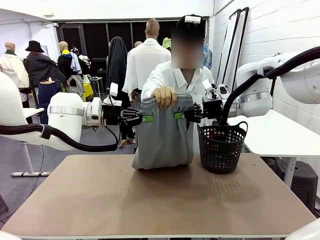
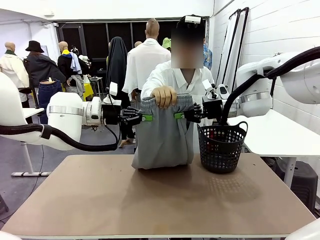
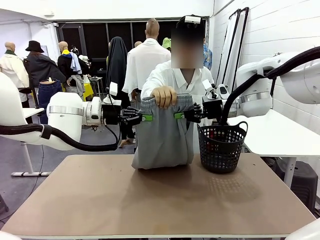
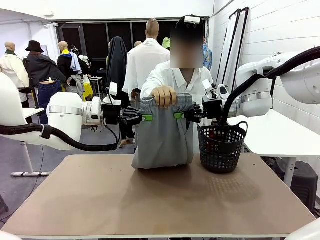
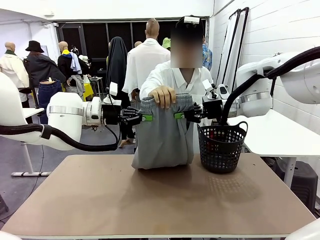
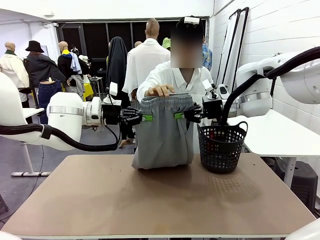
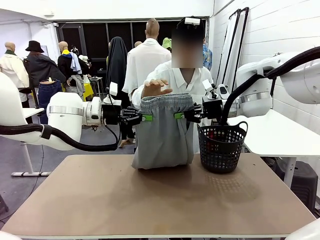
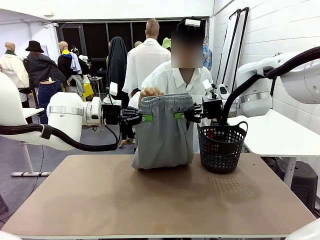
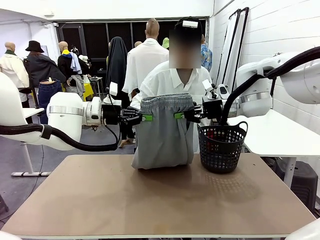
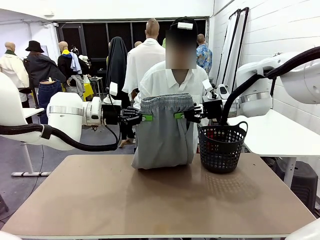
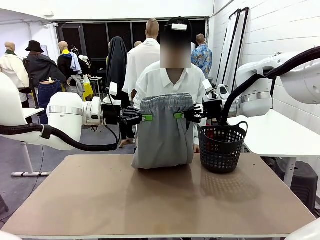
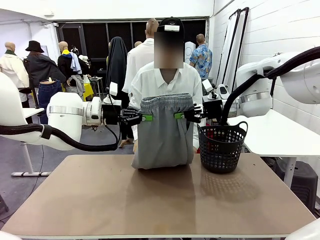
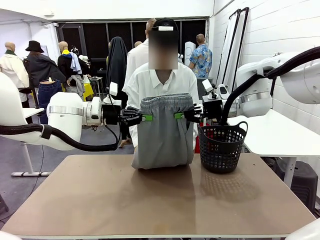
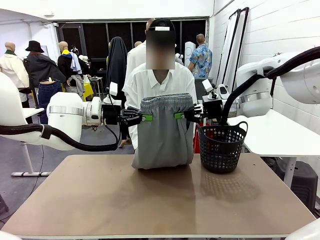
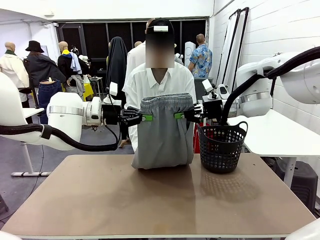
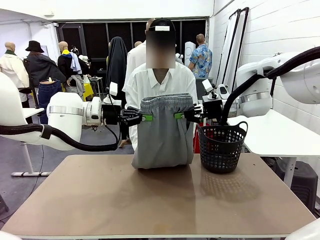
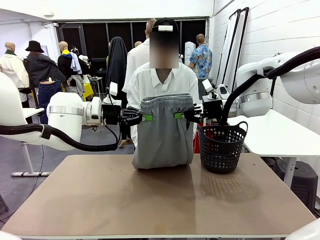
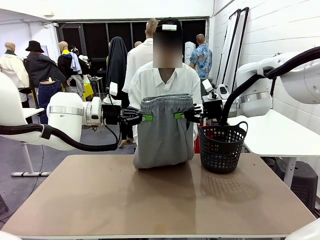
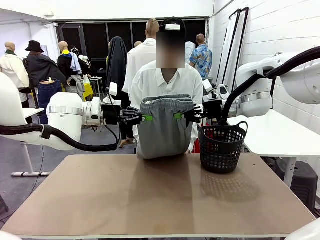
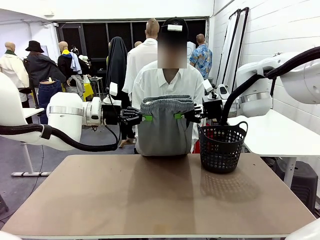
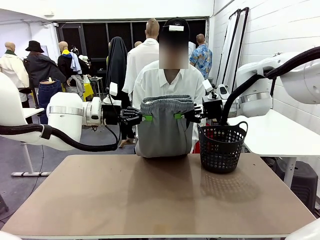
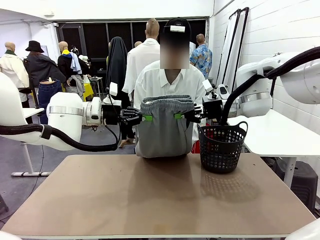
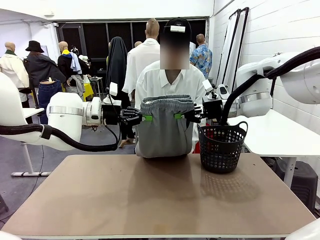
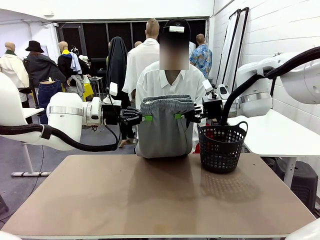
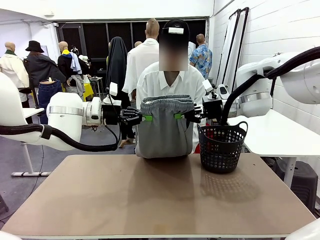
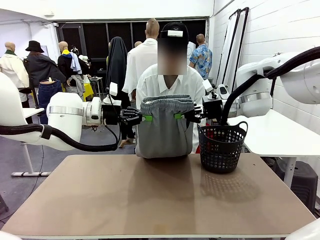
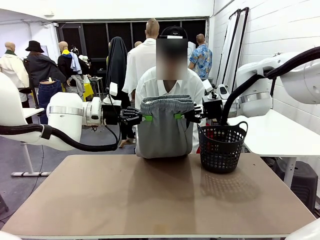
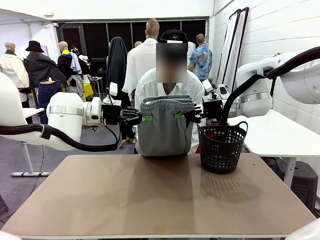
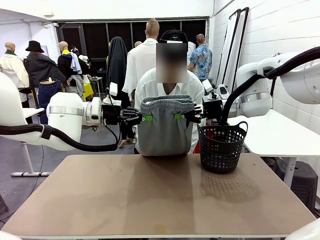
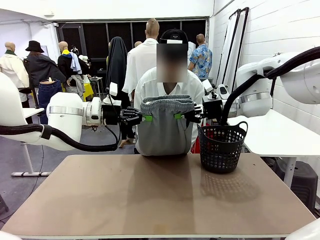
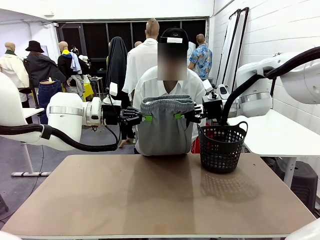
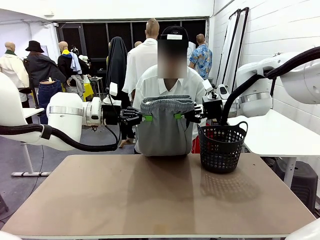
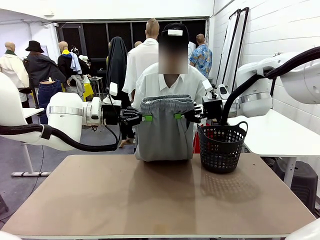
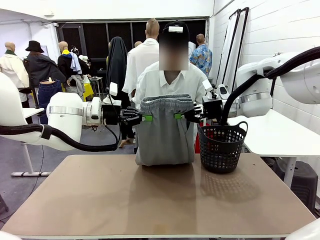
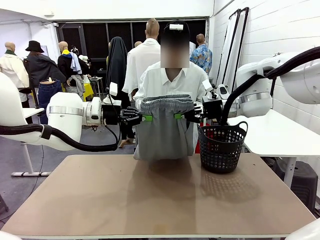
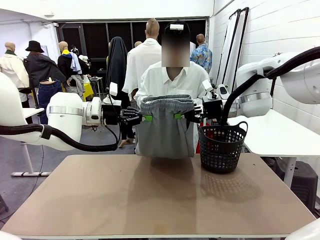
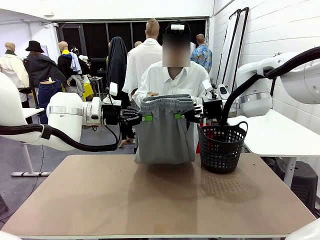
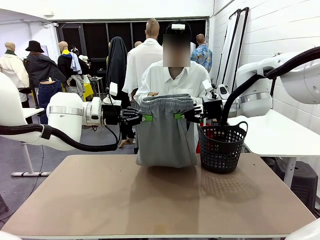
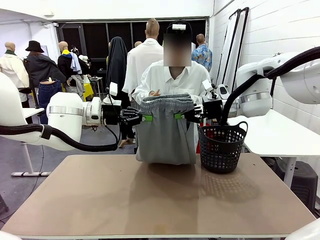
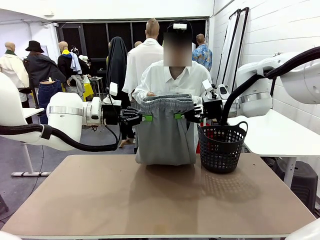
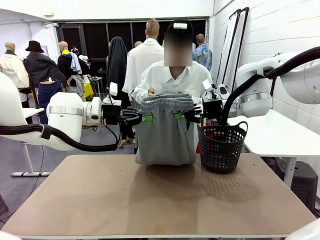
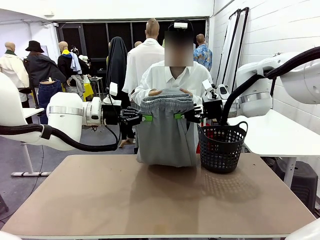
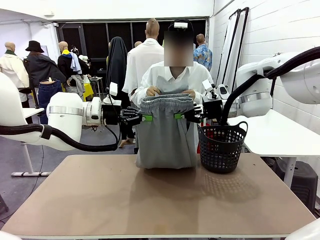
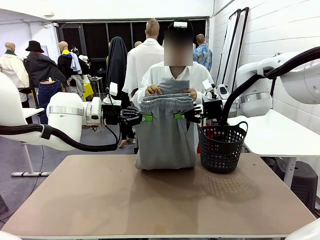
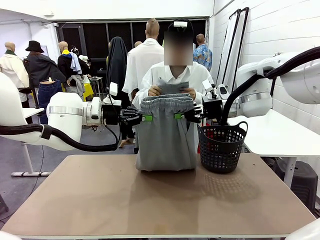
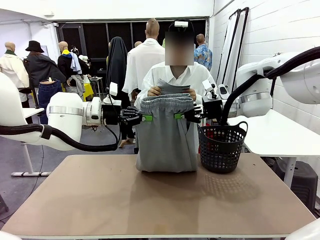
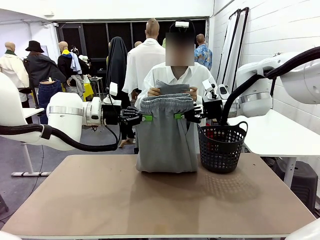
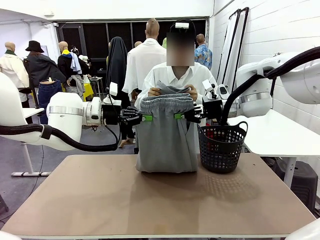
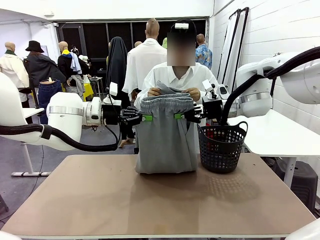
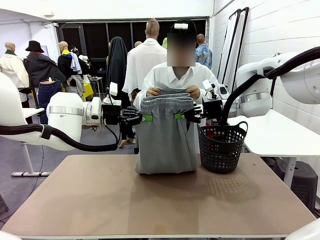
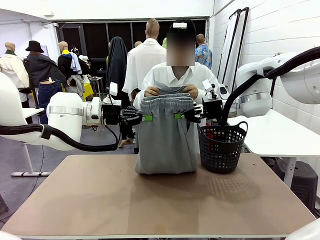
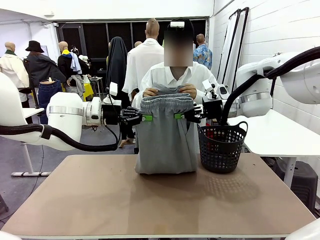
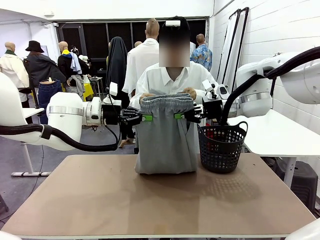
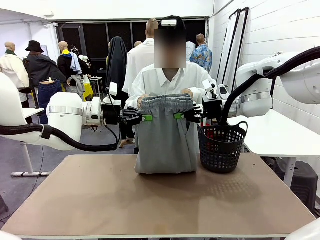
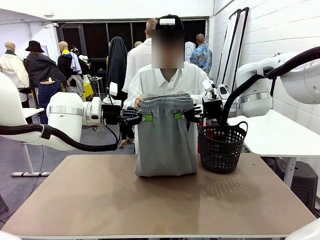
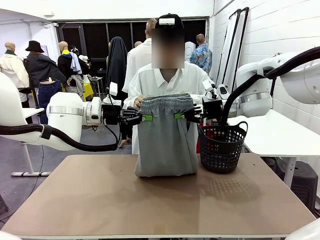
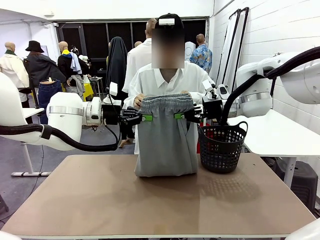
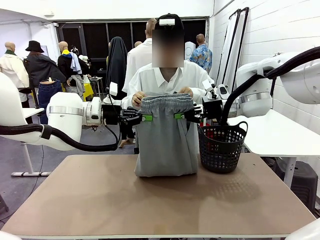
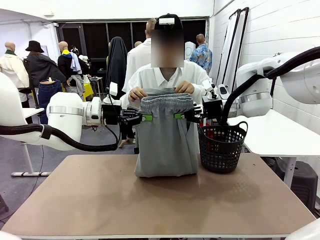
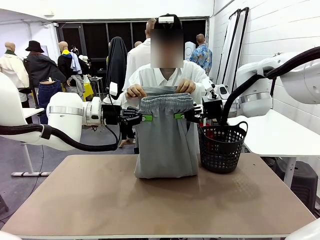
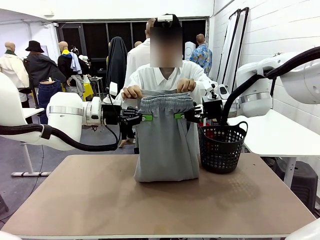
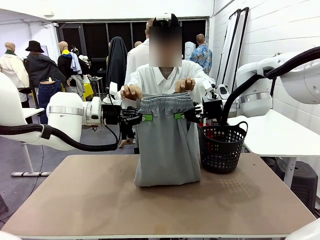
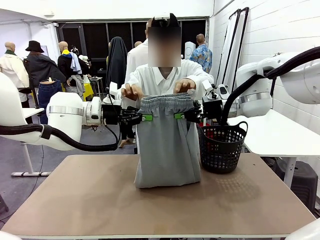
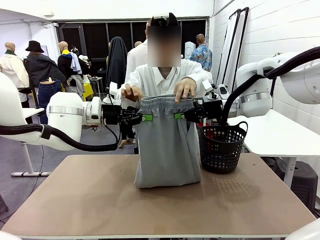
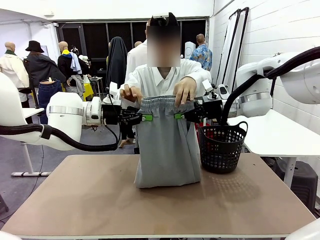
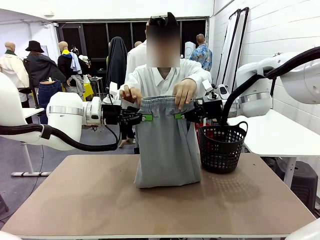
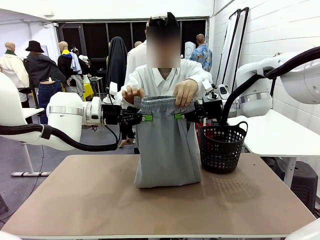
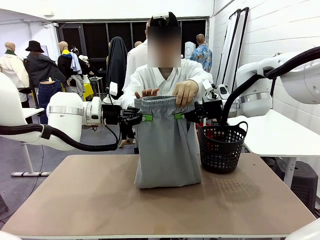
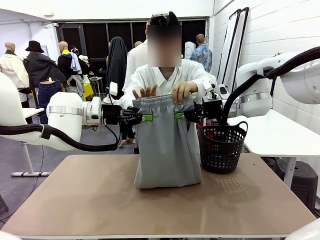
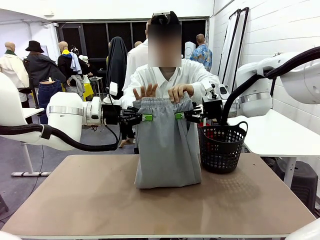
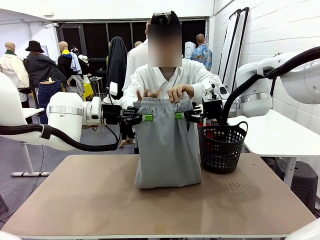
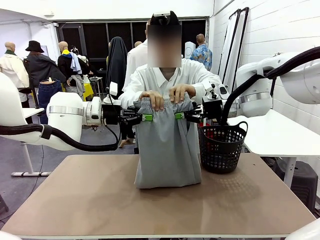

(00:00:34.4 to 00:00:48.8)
Task: Fold the training pants.
Robot: Release the ends of the Training pants and then grab the overlapped ends.

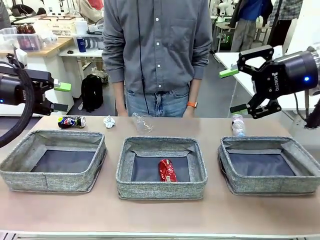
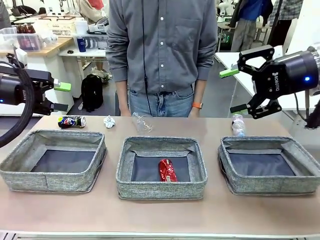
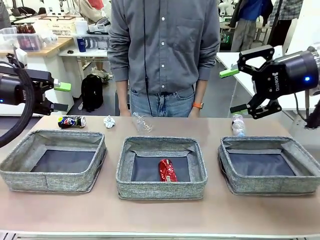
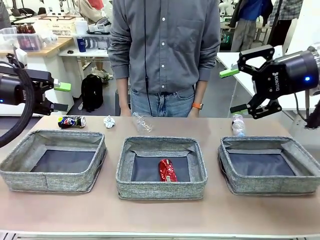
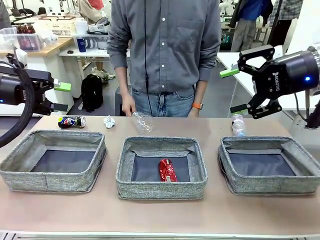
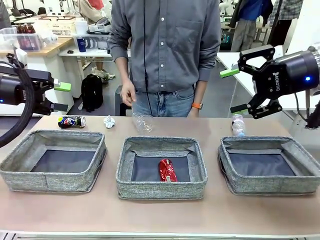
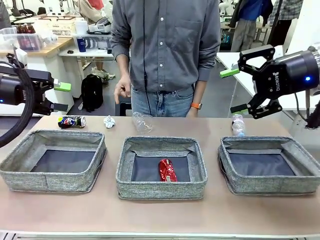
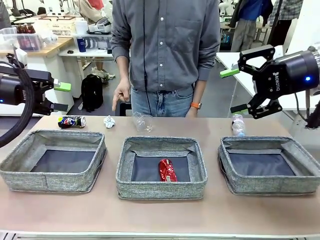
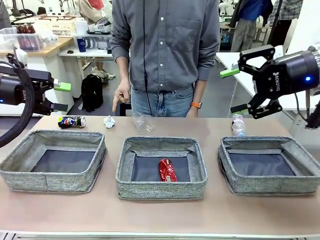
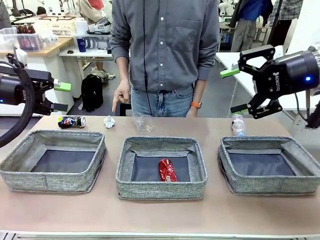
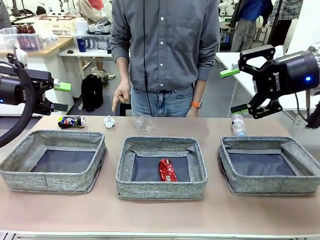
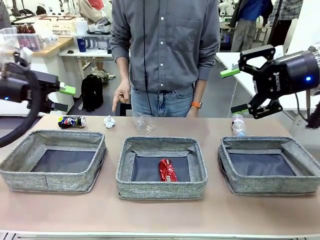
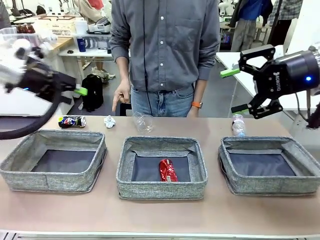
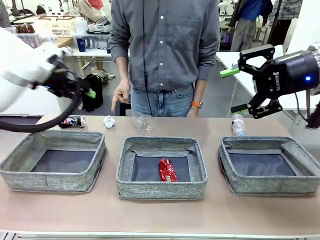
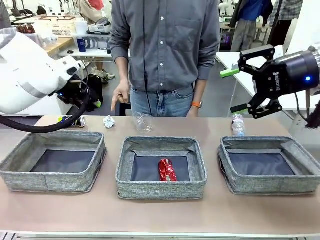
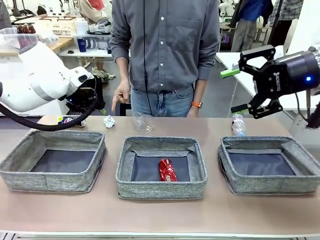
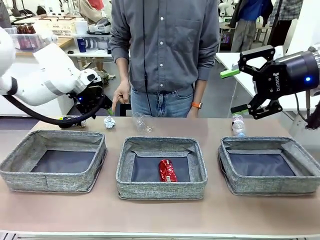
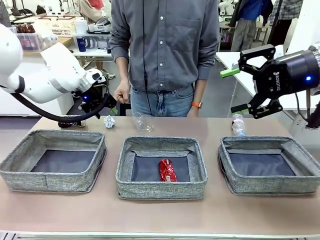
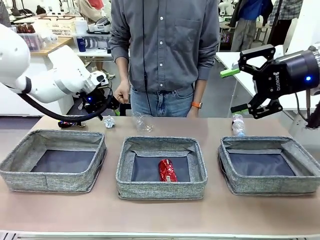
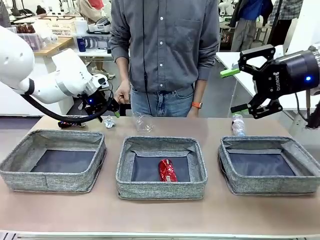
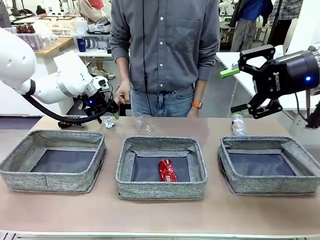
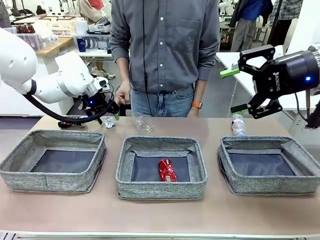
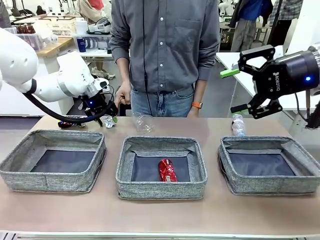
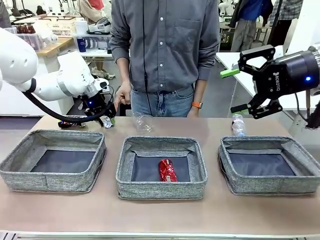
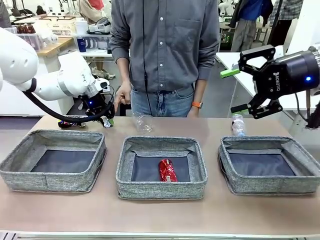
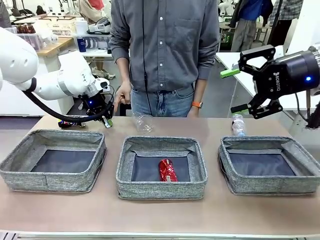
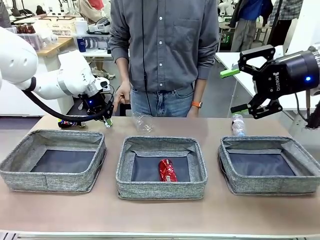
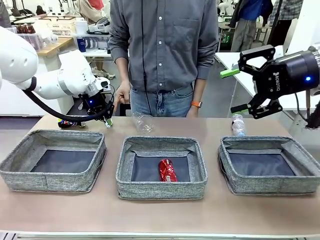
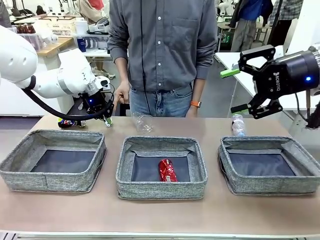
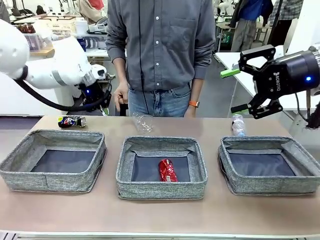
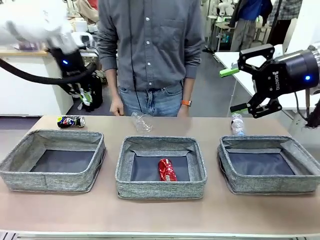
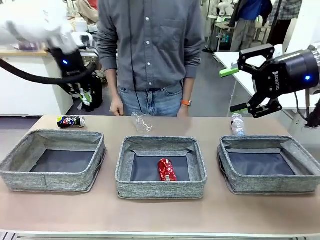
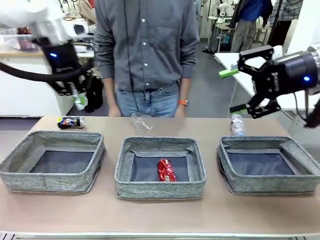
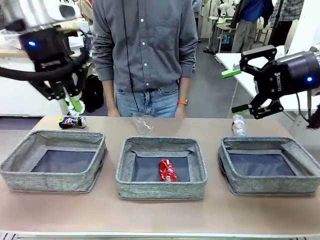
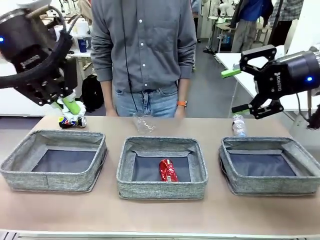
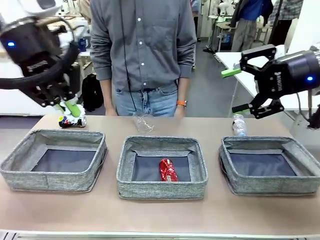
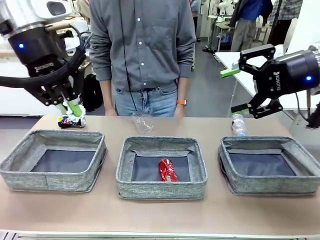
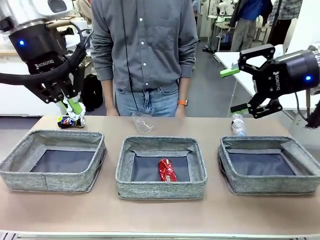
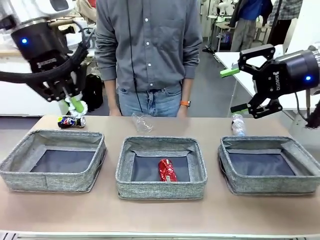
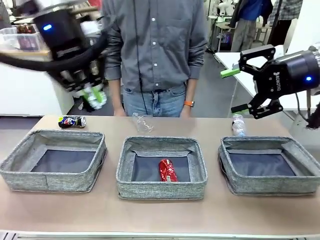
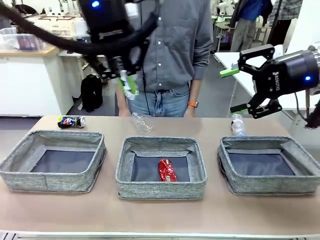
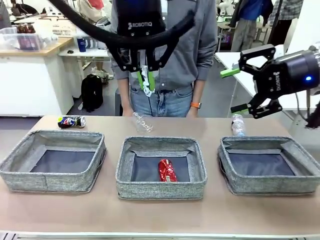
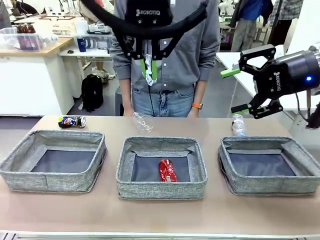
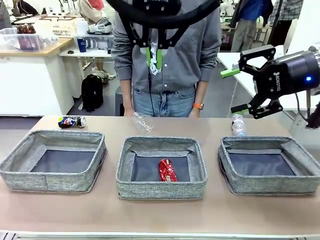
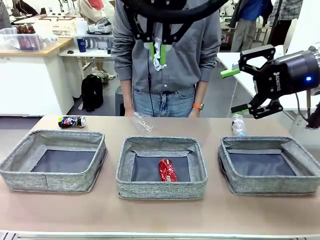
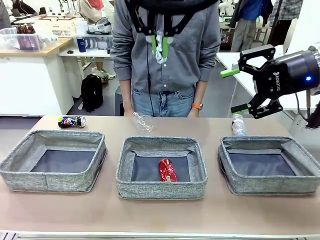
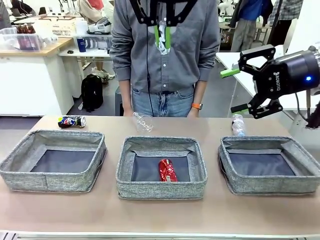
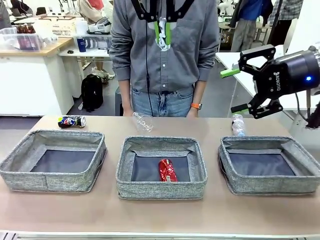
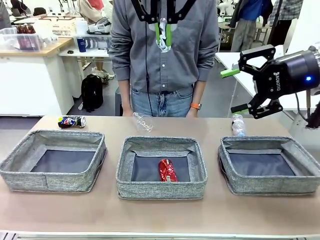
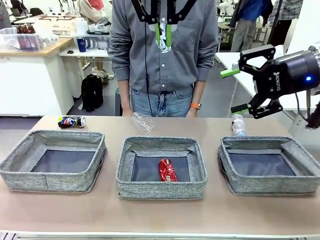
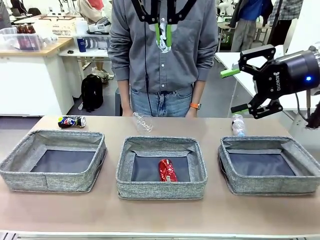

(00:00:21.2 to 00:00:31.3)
Task: Sort the waste into the appropriate baskets.
Robot: Pick up the waste item pointed out by the person.
Person: Points to one piece of trash on the table.
